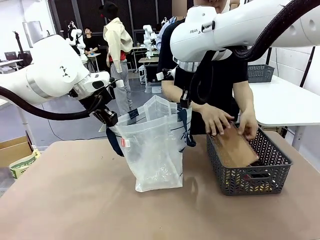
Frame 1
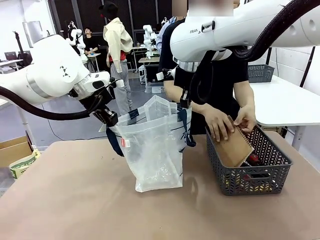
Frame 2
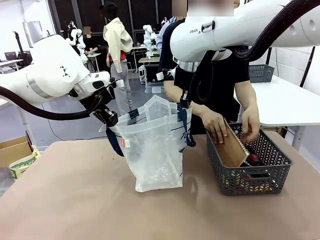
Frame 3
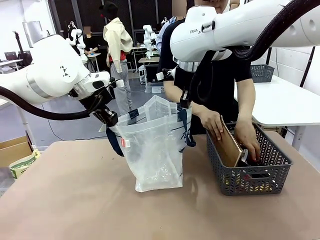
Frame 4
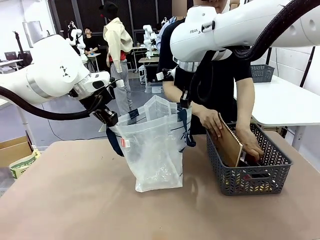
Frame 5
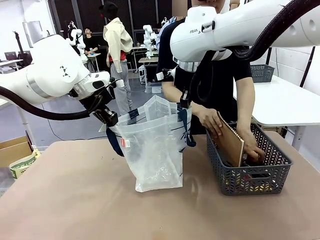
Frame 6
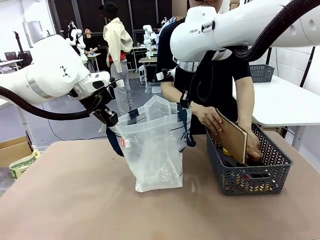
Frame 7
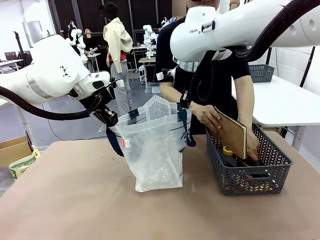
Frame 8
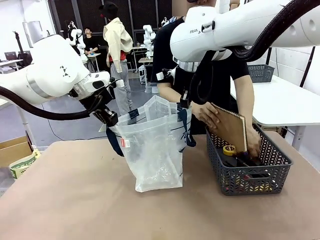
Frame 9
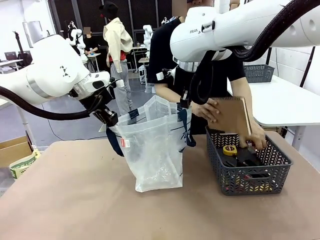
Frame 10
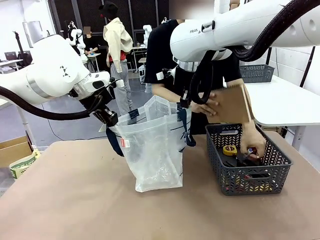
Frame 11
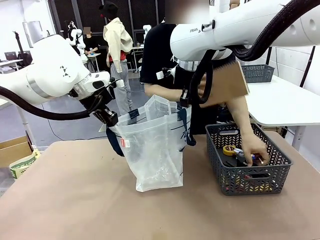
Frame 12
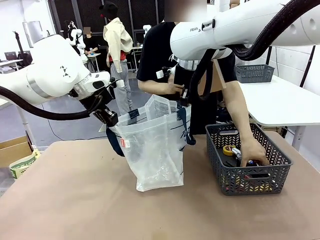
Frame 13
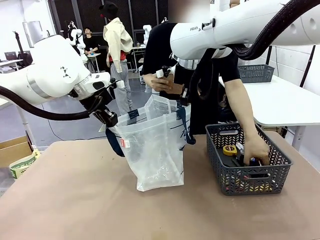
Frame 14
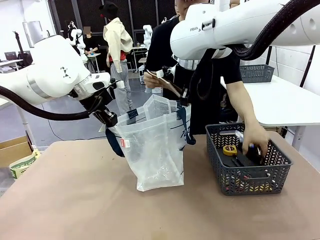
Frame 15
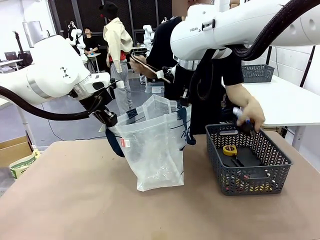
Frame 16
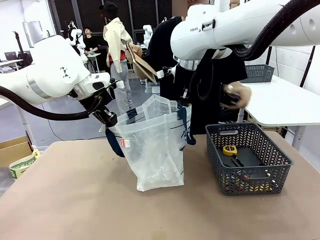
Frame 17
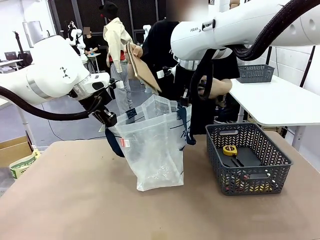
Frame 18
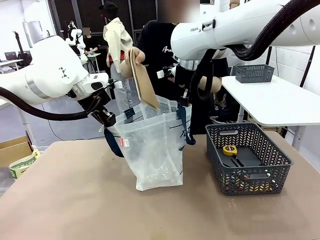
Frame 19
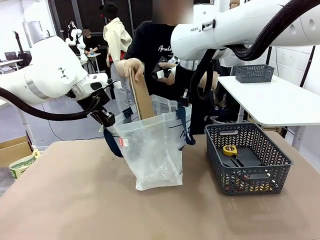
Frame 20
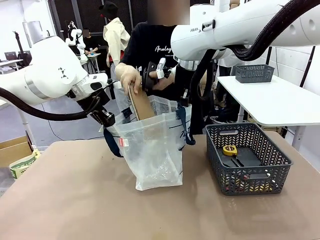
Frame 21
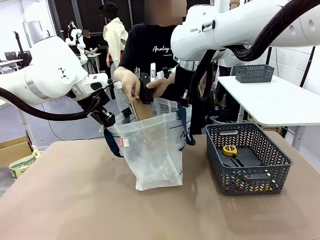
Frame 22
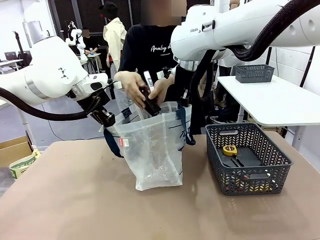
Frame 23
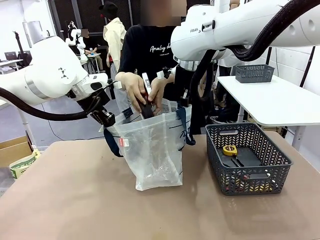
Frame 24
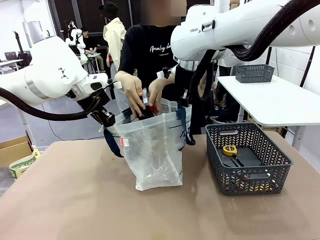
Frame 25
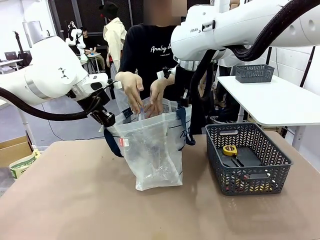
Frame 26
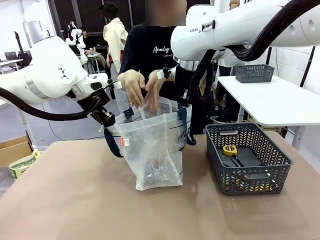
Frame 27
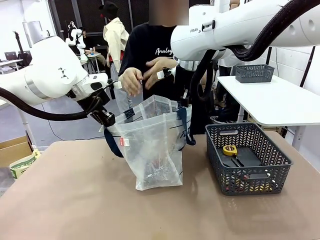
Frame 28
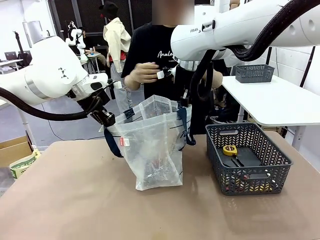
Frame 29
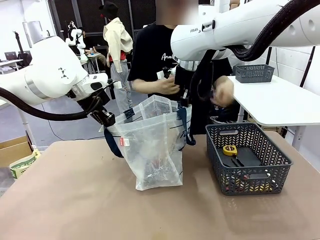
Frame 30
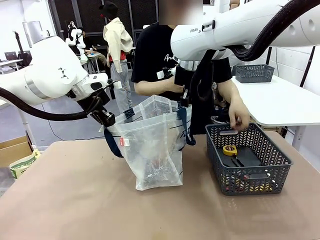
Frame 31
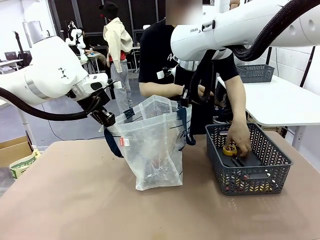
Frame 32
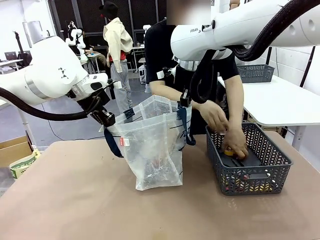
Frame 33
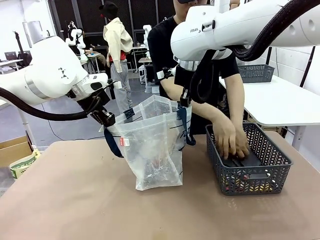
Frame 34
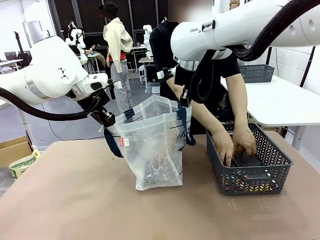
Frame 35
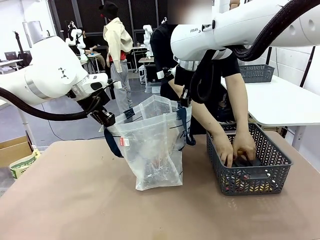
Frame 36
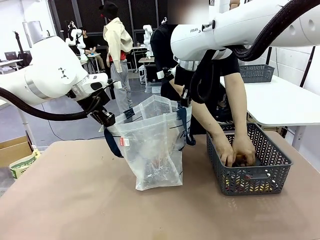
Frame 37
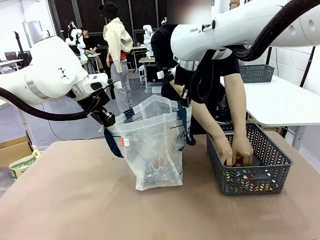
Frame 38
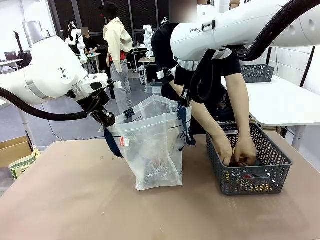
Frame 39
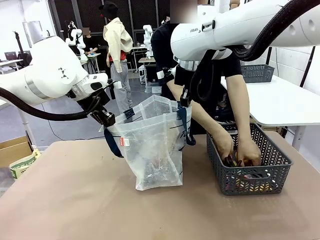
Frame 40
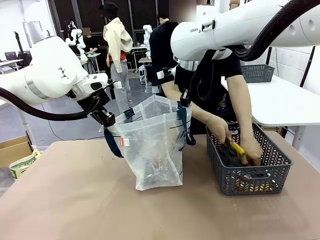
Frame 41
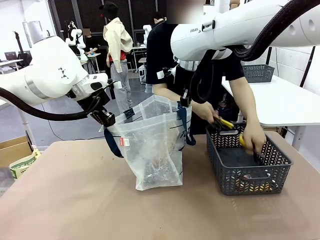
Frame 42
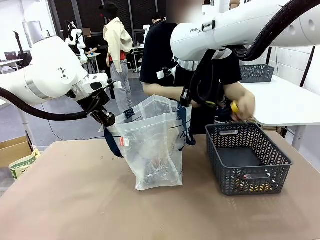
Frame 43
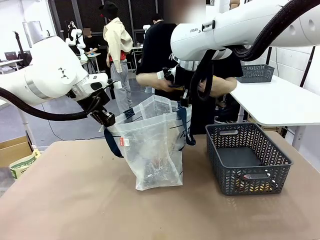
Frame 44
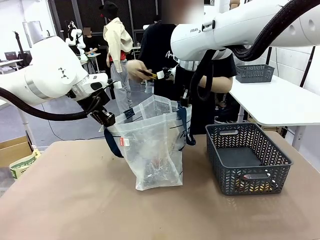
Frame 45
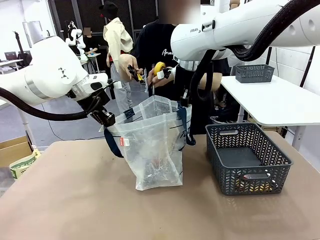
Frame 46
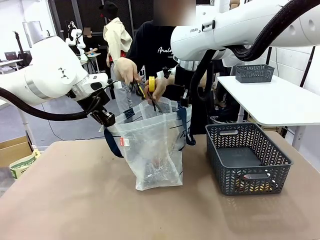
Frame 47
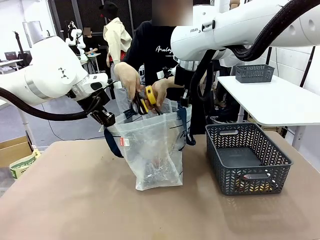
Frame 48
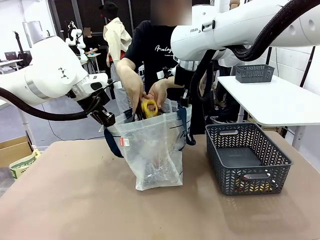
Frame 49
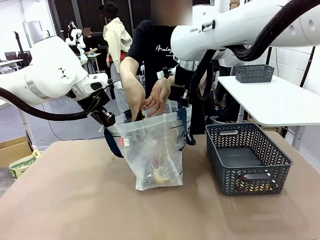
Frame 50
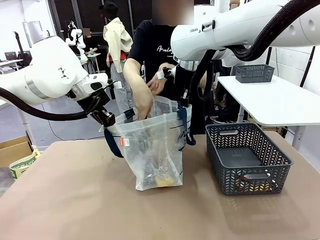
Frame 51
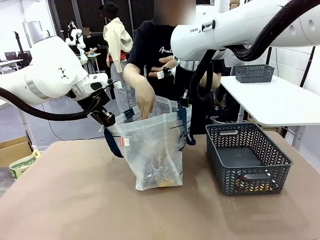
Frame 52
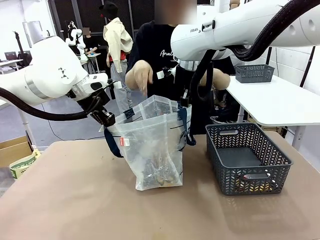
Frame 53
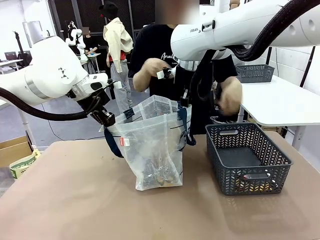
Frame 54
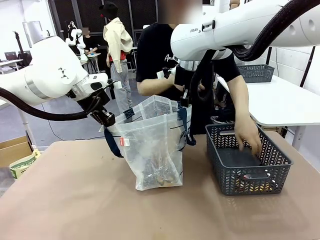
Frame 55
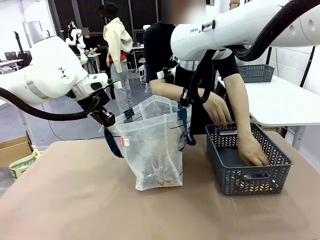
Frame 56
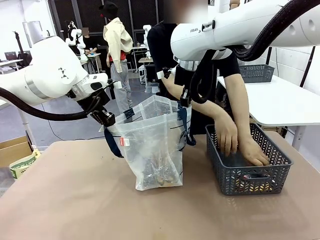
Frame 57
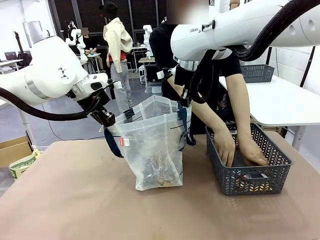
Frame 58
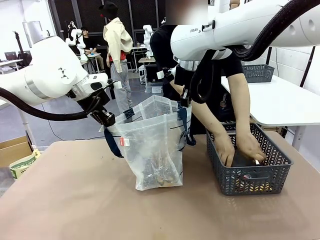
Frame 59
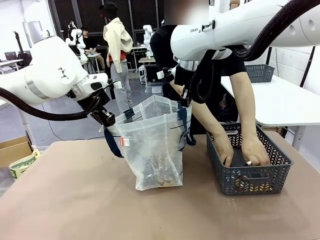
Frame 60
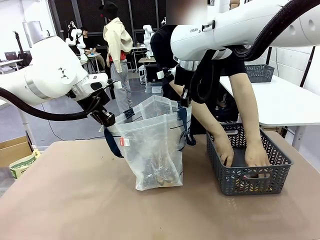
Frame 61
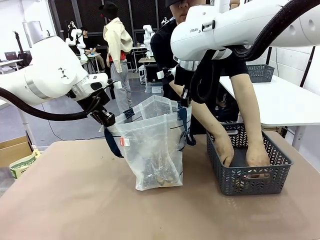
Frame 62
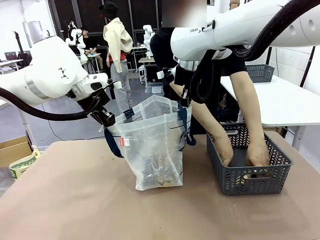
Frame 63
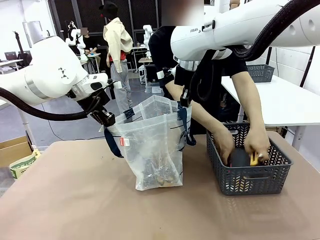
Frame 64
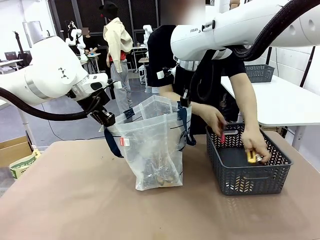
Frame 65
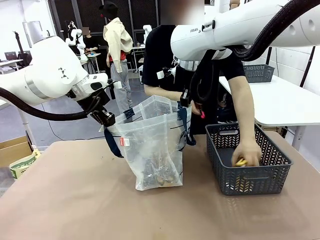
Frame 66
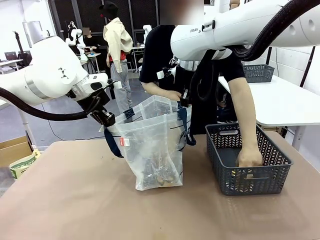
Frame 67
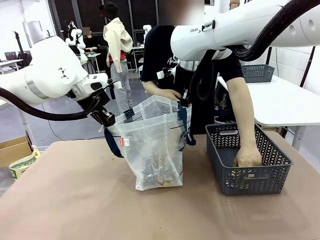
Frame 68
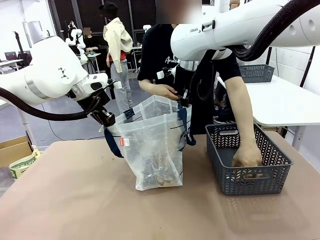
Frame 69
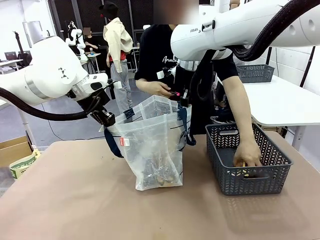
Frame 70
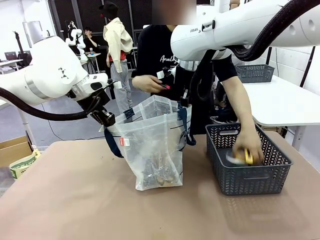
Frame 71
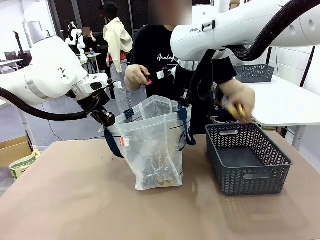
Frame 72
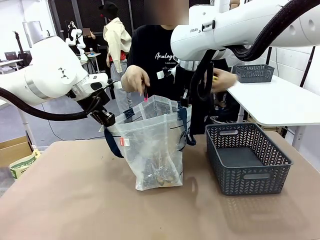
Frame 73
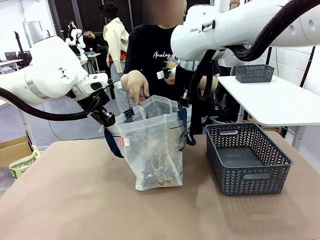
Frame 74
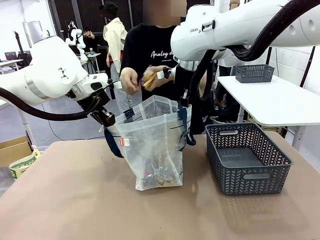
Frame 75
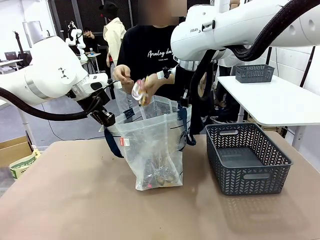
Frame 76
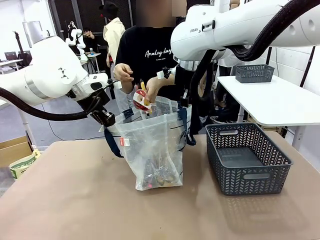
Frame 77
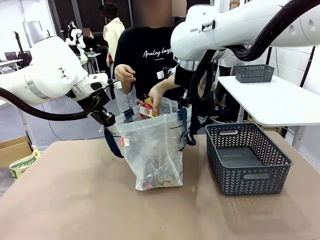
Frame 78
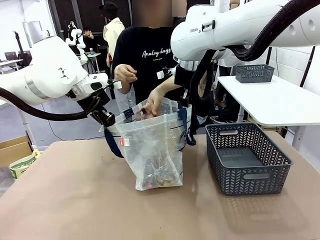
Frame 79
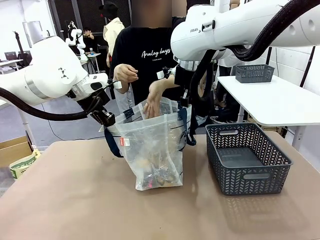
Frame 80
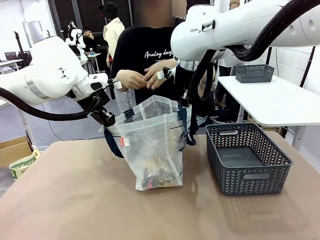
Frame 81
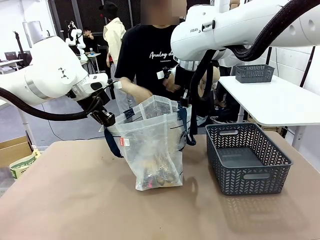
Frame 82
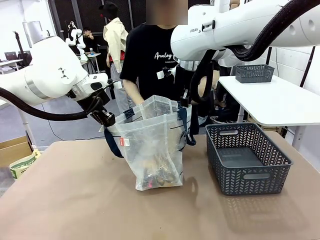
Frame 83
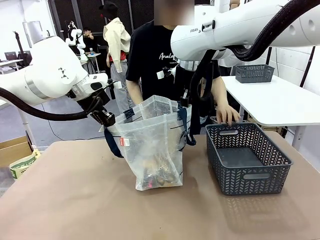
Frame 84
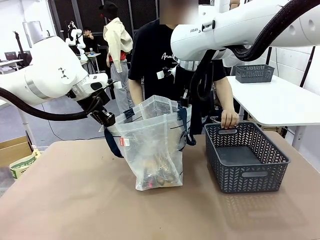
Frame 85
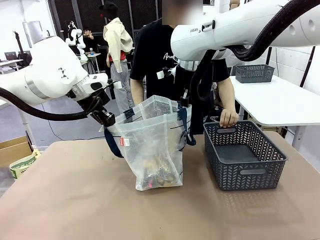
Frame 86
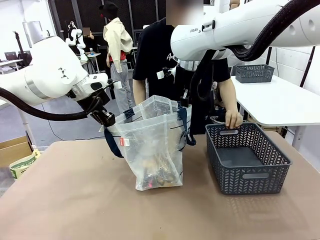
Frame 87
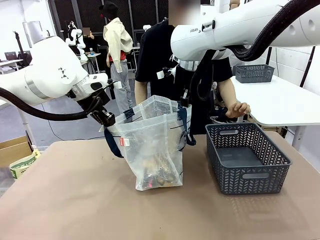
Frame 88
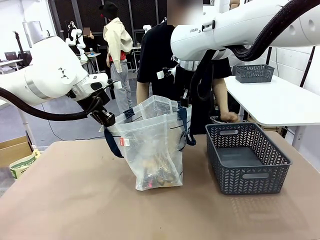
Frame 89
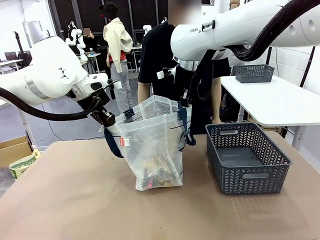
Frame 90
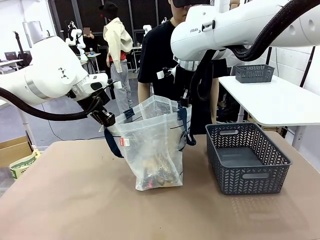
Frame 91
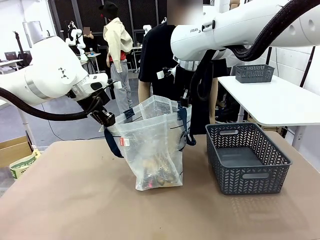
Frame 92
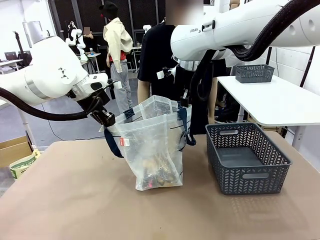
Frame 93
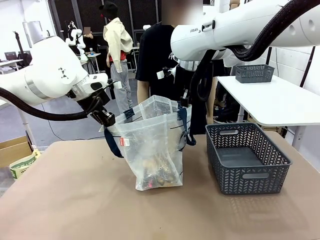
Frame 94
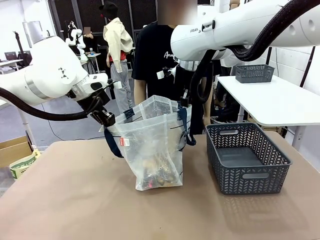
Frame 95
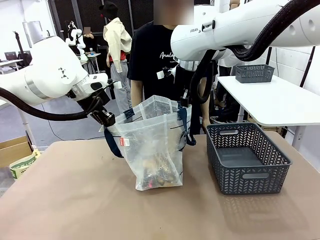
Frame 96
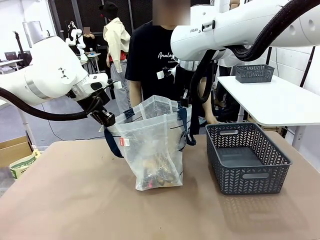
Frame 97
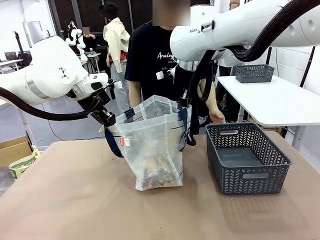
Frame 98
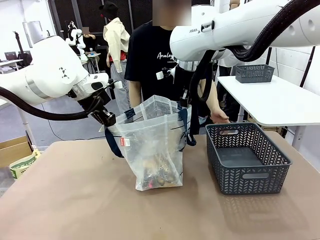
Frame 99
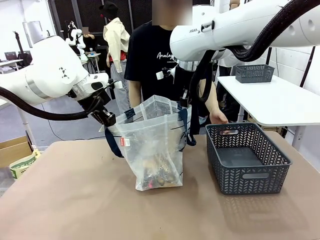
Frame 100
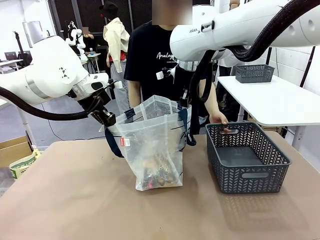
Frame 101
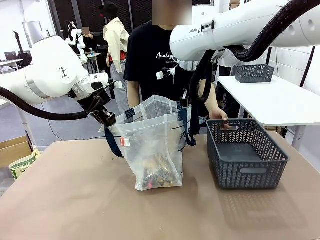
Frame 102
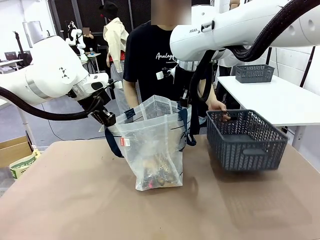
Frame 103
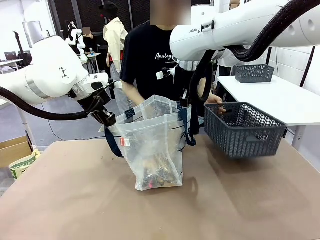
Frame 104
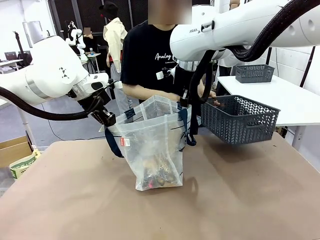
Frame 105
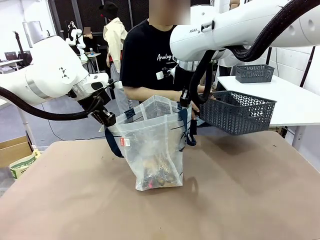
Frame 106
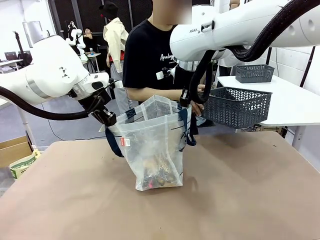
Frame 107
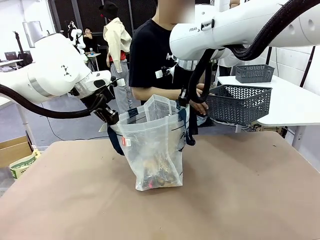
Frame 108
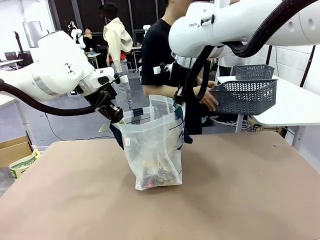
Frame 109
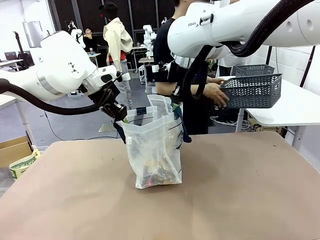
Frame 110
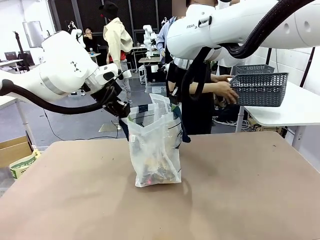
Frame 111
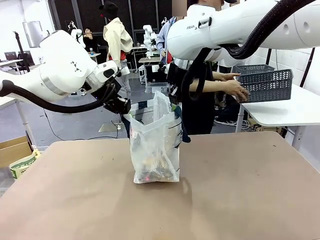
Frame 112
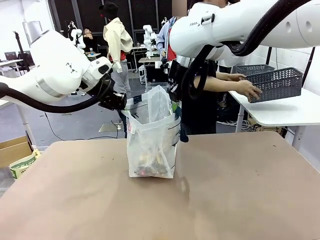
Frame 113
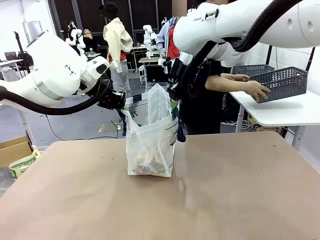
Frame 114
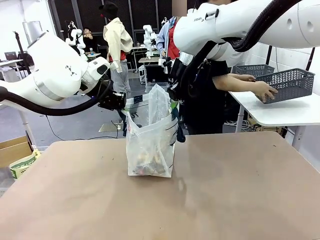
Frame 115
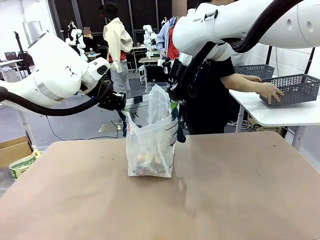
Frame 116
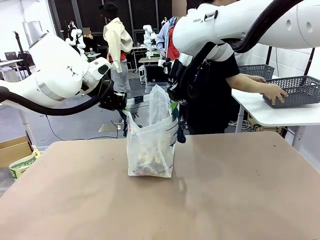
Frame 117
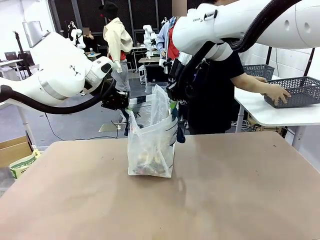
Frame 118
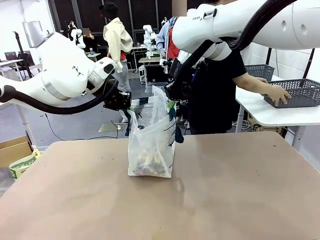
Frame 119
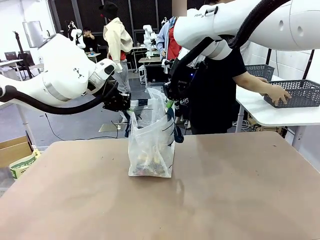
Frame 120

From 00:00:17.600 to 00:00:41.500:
Task: Transfer purchased items from the store into the shopping bag.
Robot: Move the Reusable shopping bag to the right side of the table.
Person: Pick up the basket on the right, place it on the left side of the robot table, and move the items in the basket to the shopping bag. Pick up the basket with the items out and place it on the right side of the human table.
